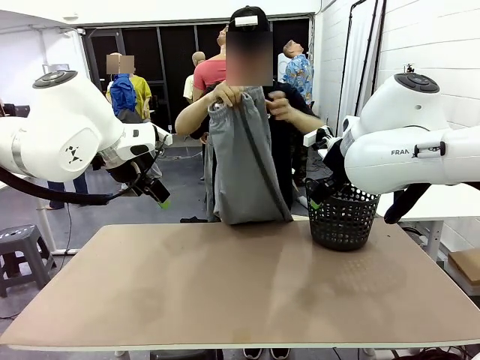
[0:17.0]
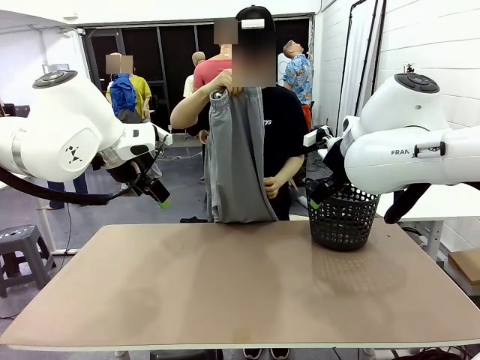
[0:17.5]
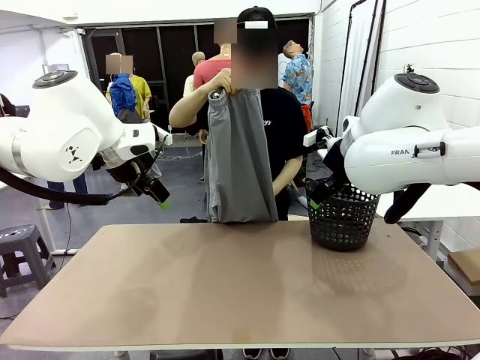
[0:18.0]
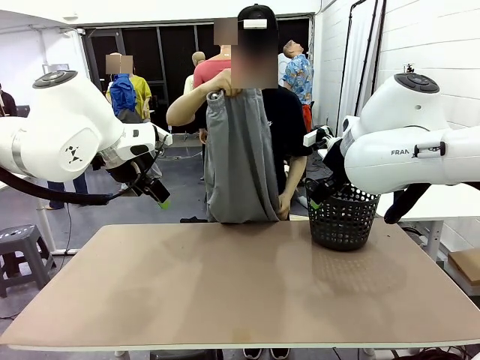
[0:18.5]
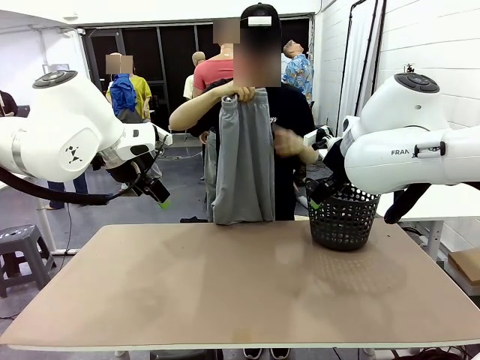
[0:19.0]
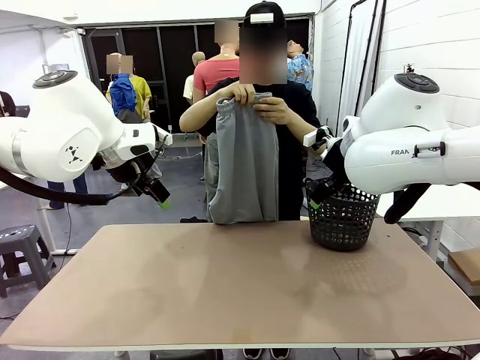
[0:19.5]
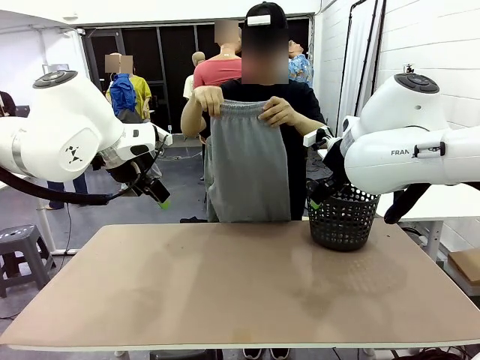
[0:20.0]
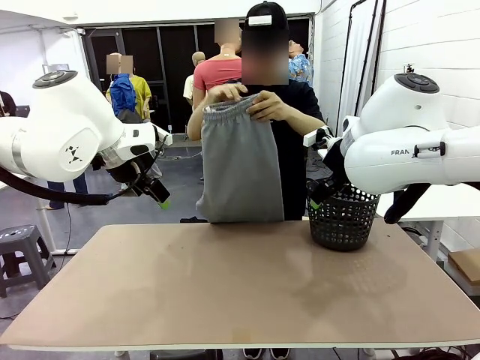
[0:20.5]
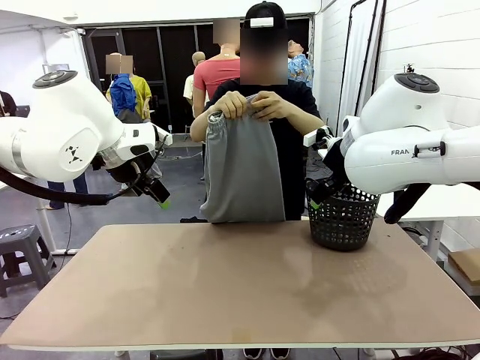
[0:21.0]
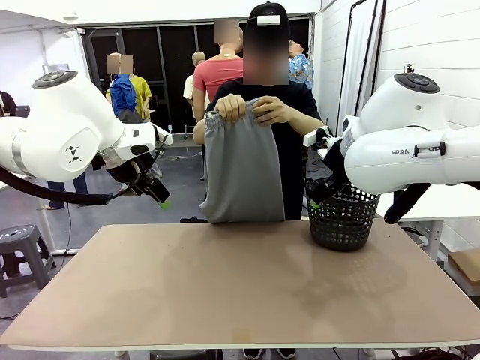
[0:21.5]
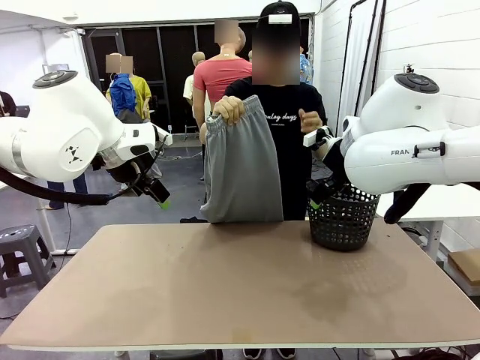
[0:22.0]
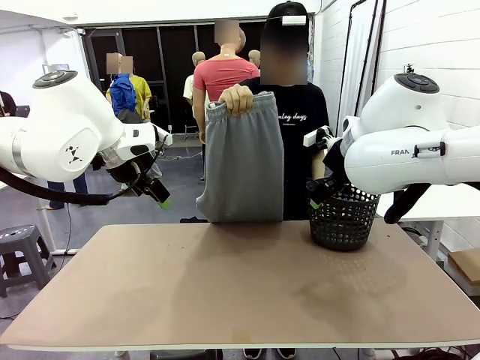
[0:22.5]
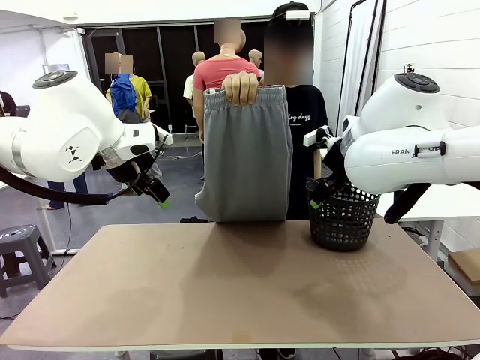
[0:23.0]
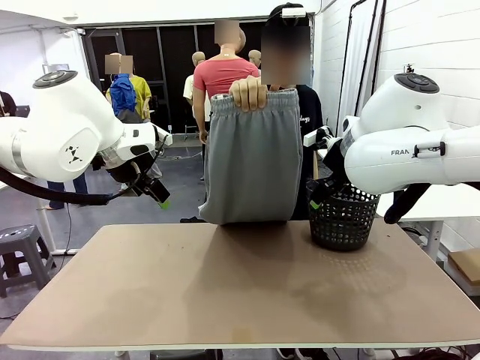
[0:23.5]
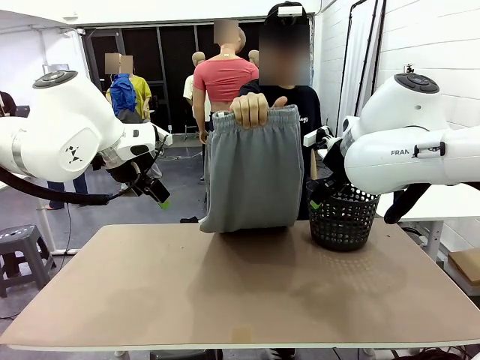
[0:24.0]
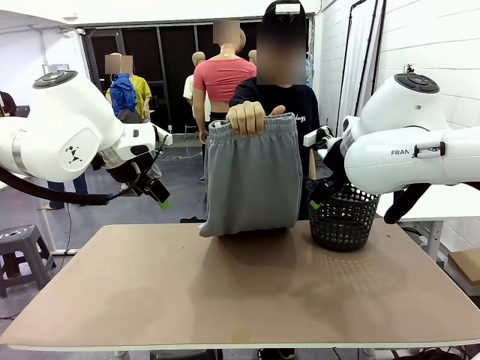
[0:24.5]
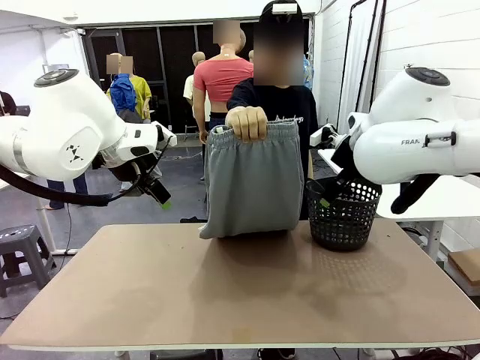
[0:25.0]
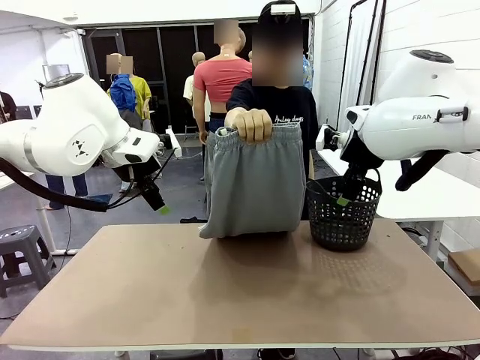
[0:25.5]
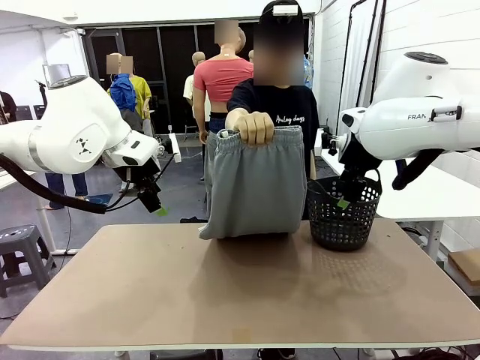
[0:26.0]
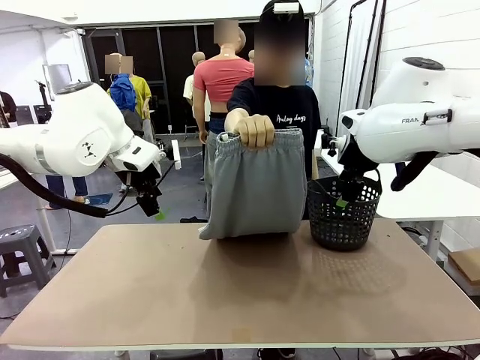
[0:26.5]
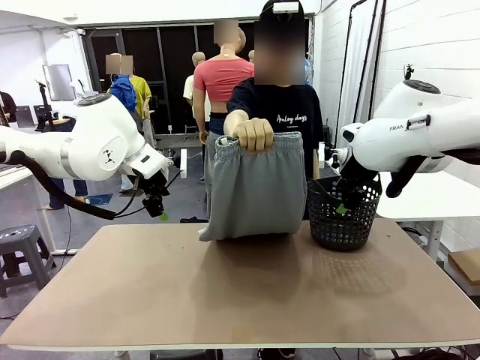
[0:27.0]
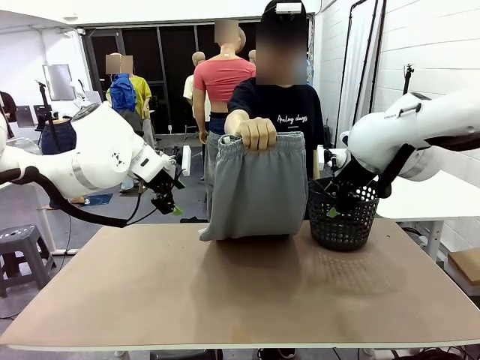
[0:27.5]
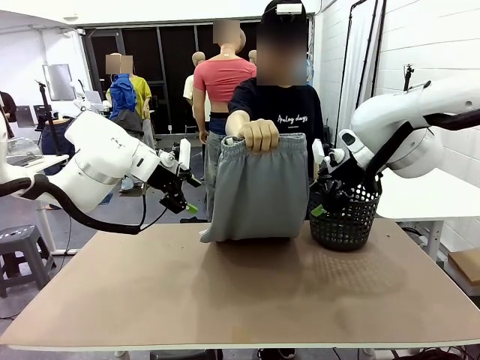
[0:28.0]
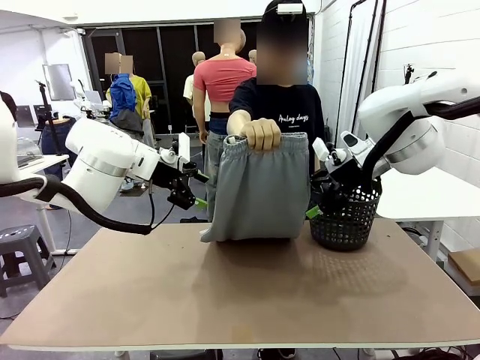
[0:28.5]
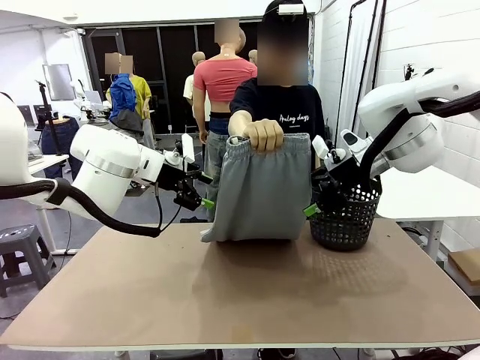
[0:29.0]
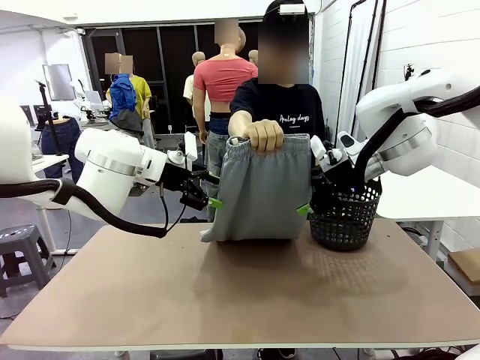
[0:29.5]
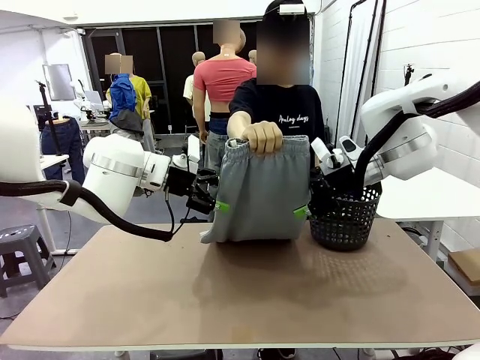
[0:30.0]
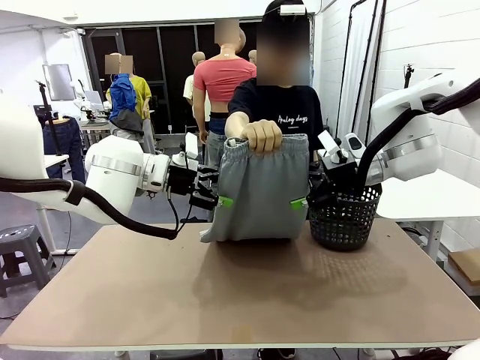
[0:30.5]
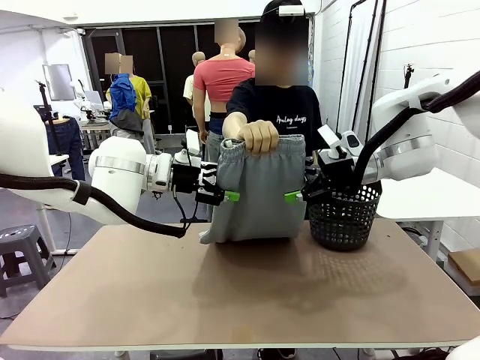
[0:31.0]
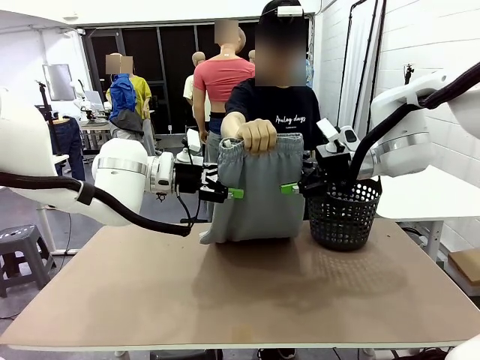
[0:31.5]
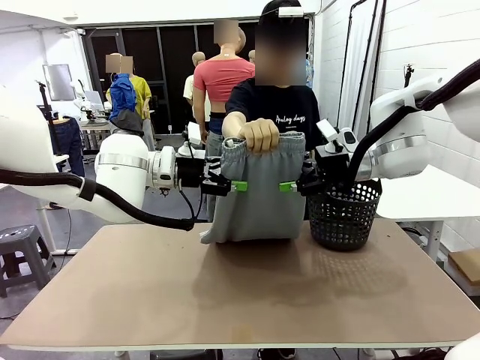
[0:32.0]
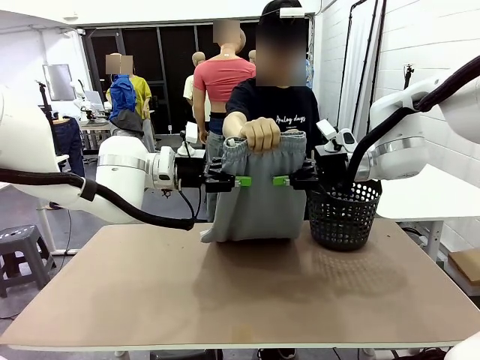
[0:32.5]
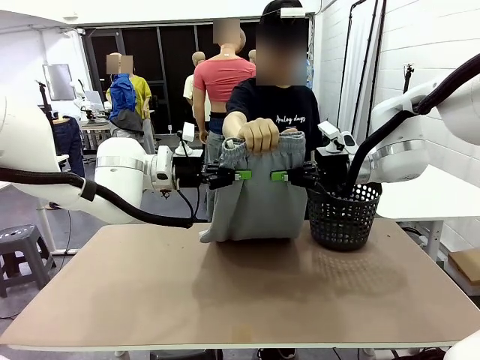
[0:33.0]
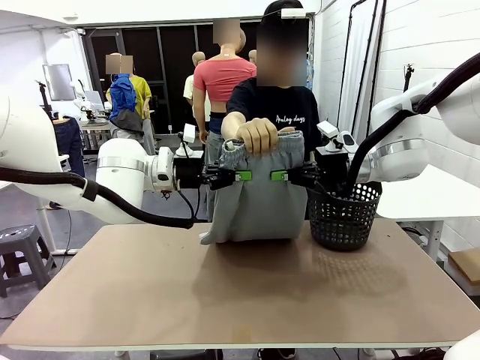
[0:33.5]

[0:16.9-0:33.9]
Task: Fold the training pants.
Robot: Grab both ends of the Training pants handed by a person.
